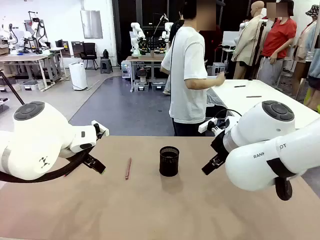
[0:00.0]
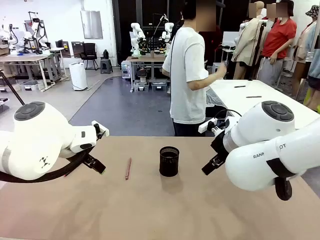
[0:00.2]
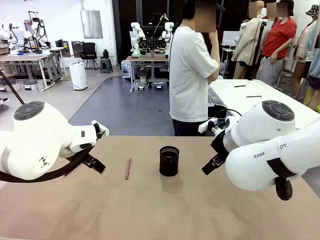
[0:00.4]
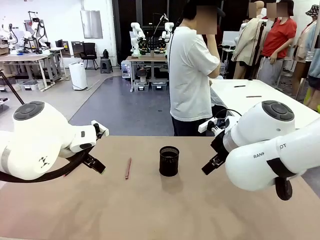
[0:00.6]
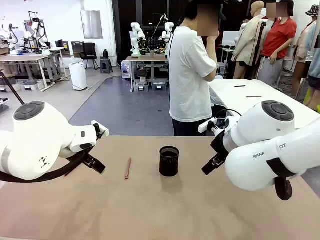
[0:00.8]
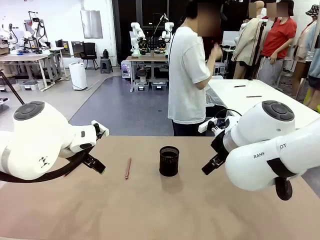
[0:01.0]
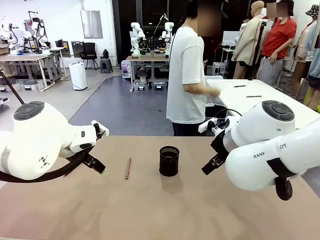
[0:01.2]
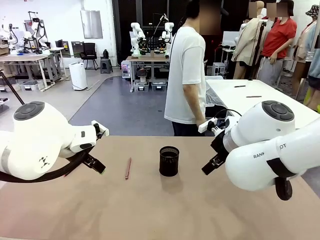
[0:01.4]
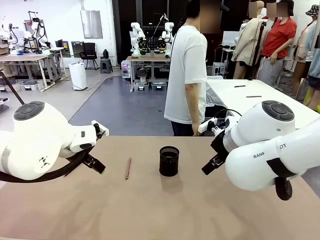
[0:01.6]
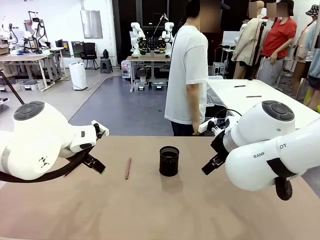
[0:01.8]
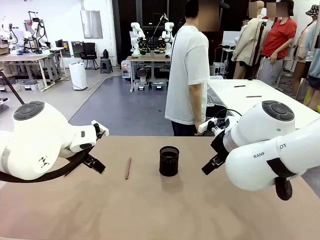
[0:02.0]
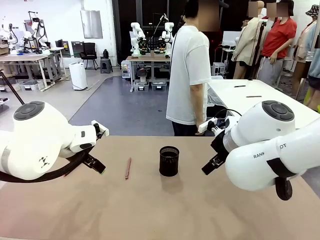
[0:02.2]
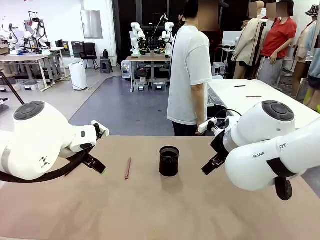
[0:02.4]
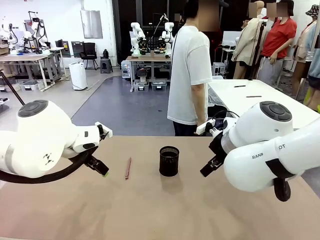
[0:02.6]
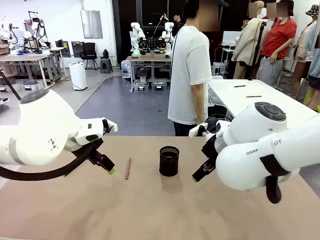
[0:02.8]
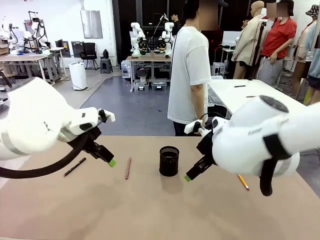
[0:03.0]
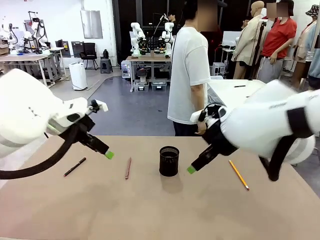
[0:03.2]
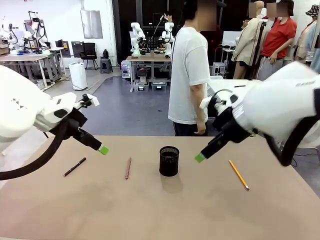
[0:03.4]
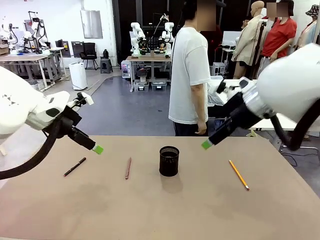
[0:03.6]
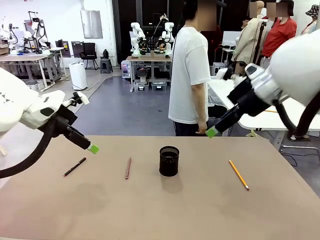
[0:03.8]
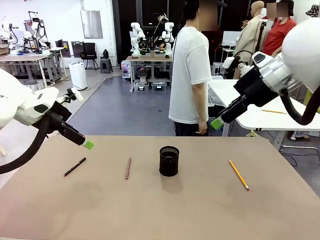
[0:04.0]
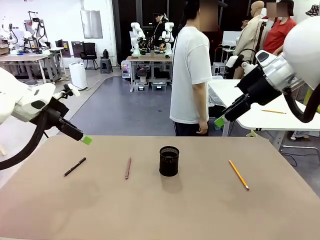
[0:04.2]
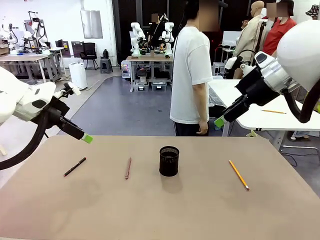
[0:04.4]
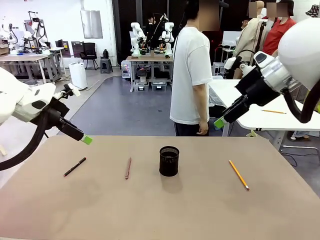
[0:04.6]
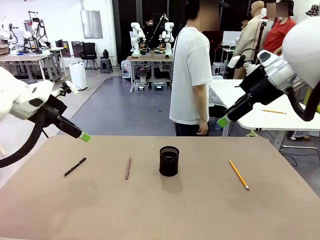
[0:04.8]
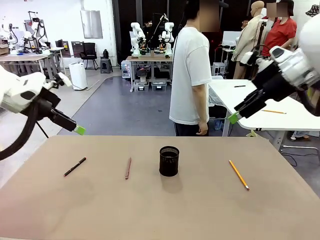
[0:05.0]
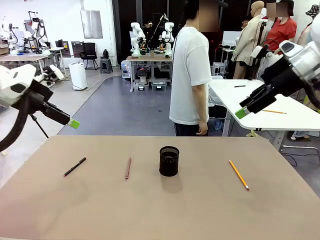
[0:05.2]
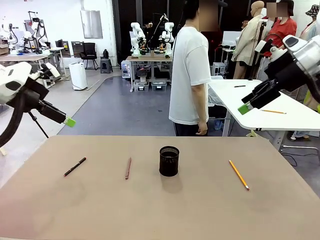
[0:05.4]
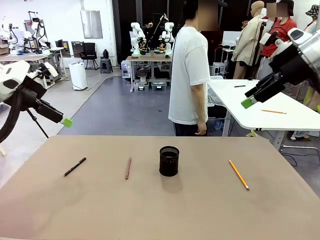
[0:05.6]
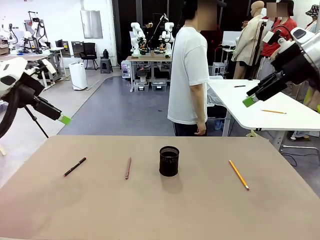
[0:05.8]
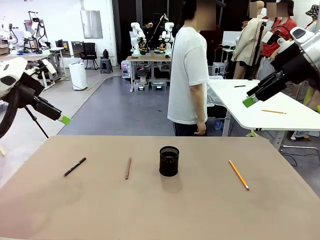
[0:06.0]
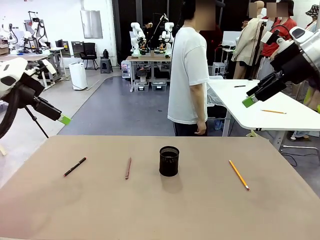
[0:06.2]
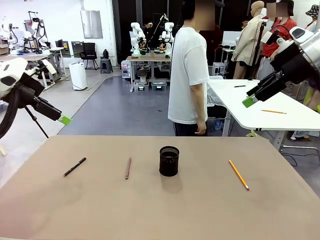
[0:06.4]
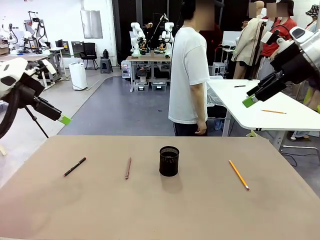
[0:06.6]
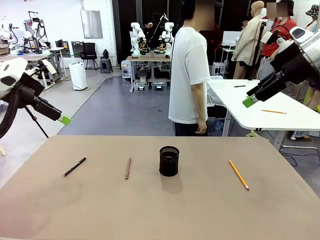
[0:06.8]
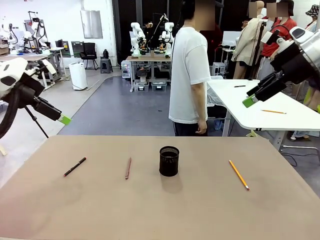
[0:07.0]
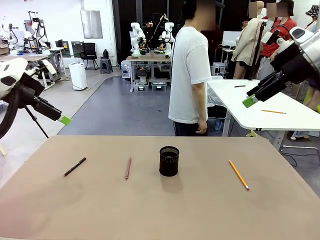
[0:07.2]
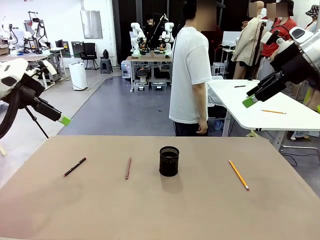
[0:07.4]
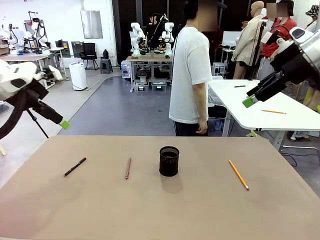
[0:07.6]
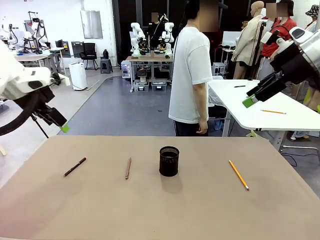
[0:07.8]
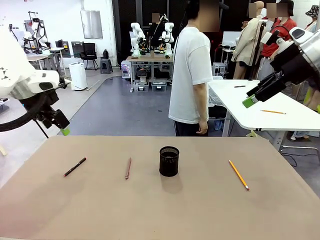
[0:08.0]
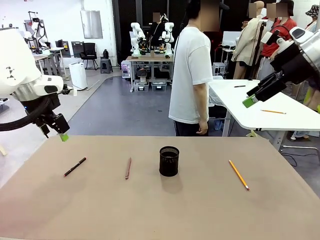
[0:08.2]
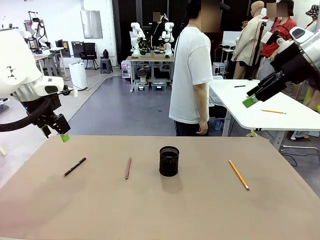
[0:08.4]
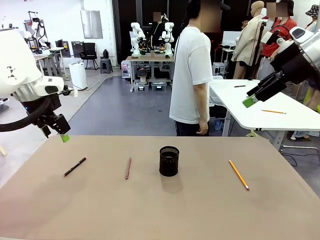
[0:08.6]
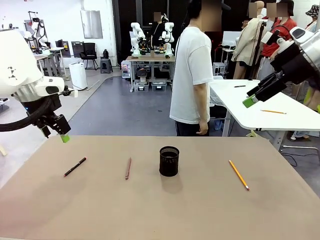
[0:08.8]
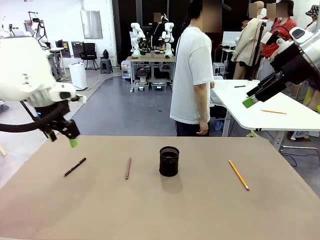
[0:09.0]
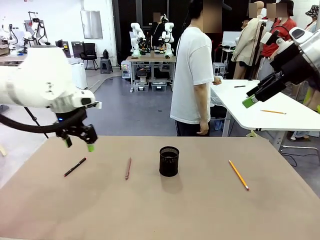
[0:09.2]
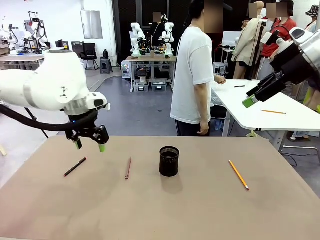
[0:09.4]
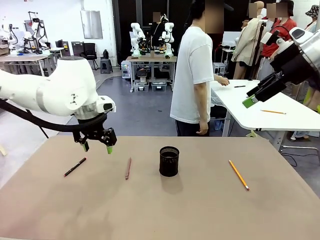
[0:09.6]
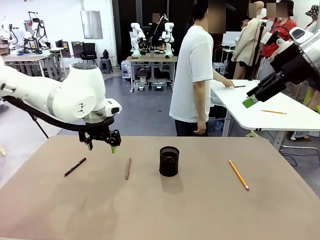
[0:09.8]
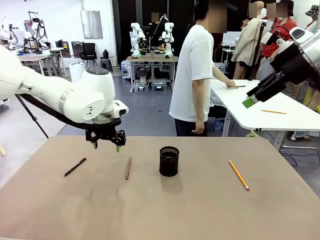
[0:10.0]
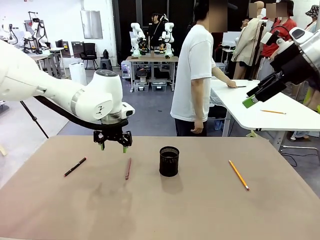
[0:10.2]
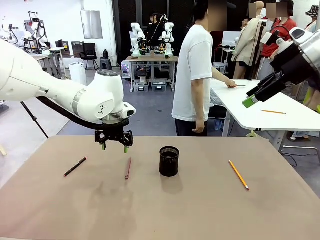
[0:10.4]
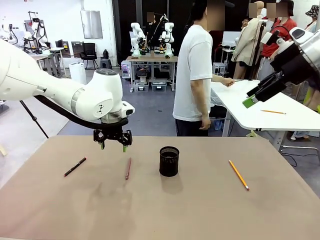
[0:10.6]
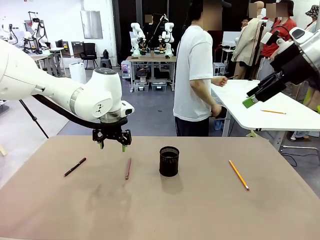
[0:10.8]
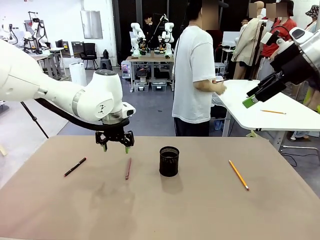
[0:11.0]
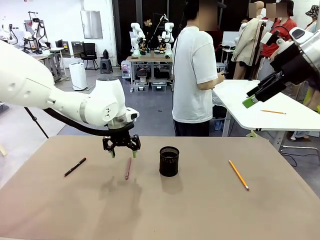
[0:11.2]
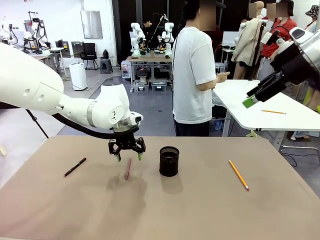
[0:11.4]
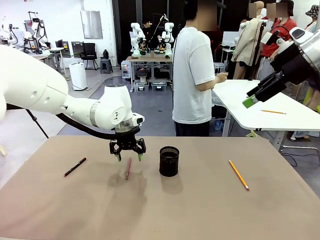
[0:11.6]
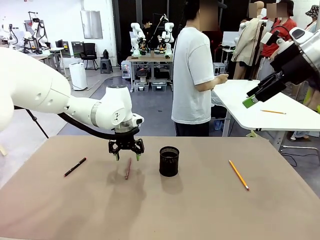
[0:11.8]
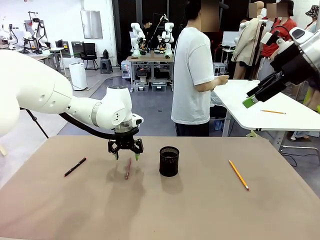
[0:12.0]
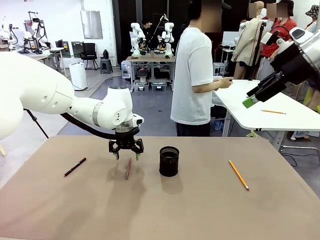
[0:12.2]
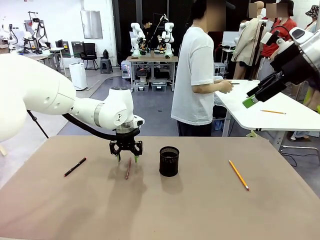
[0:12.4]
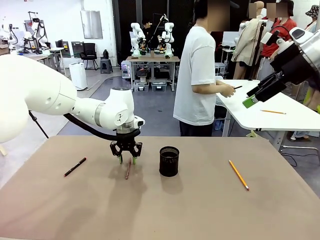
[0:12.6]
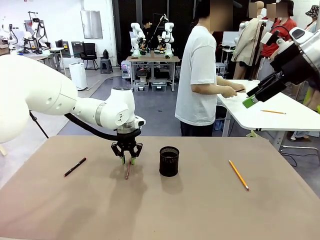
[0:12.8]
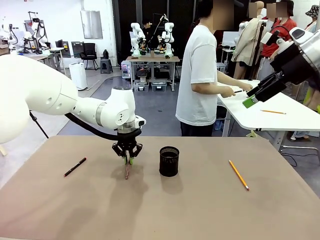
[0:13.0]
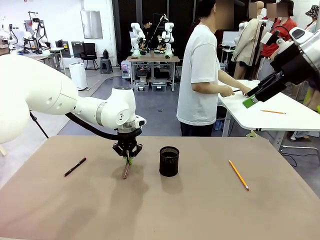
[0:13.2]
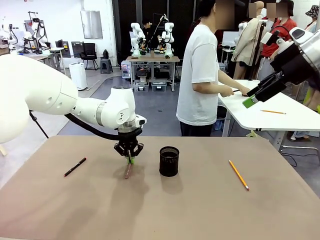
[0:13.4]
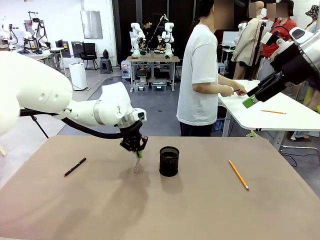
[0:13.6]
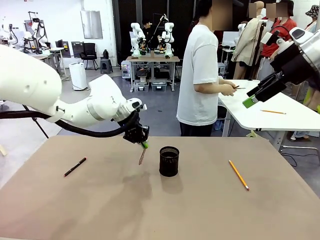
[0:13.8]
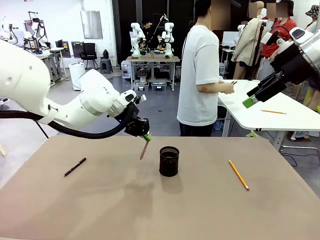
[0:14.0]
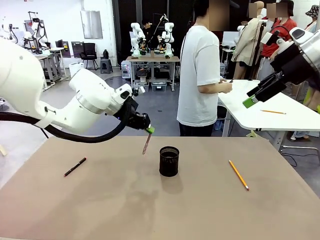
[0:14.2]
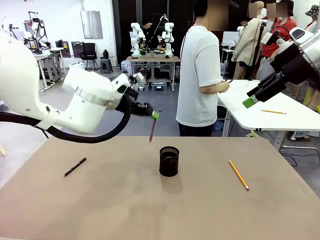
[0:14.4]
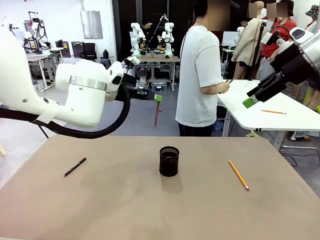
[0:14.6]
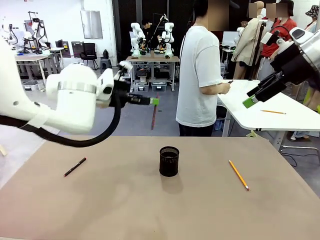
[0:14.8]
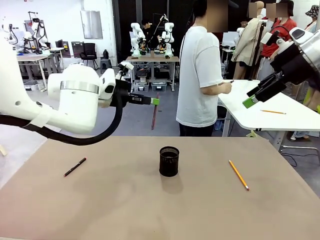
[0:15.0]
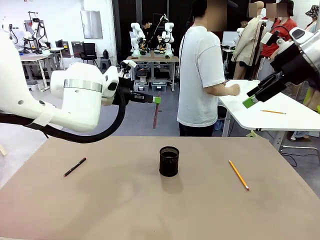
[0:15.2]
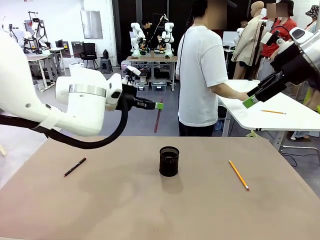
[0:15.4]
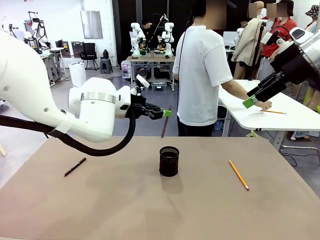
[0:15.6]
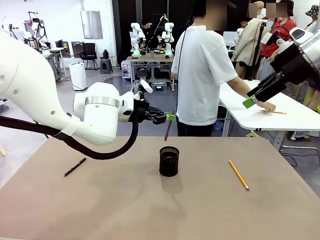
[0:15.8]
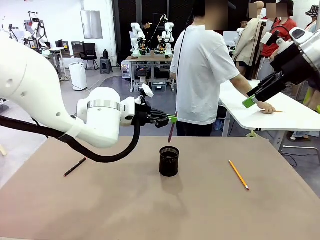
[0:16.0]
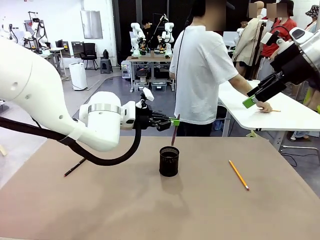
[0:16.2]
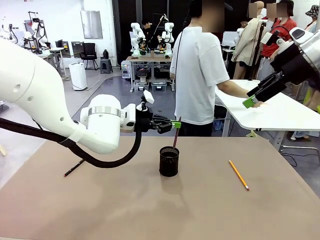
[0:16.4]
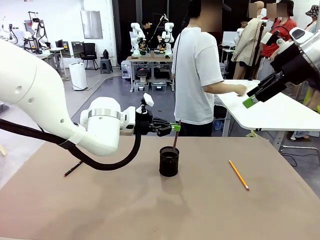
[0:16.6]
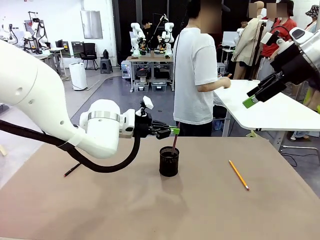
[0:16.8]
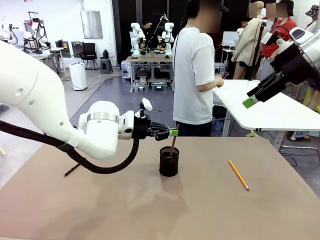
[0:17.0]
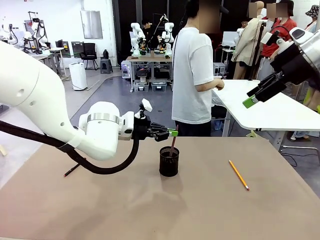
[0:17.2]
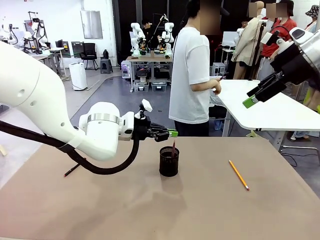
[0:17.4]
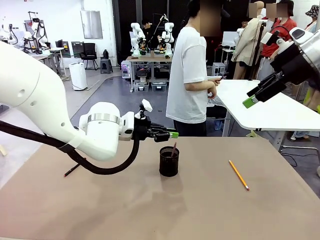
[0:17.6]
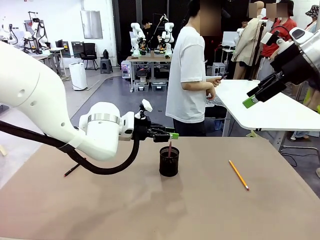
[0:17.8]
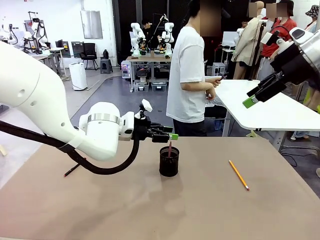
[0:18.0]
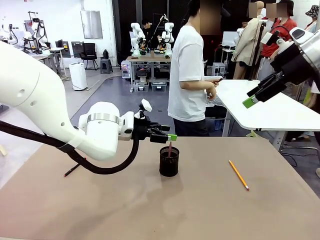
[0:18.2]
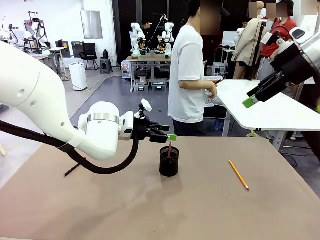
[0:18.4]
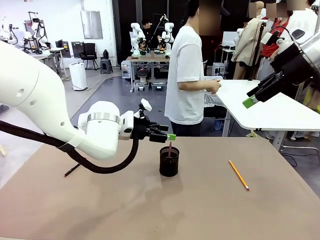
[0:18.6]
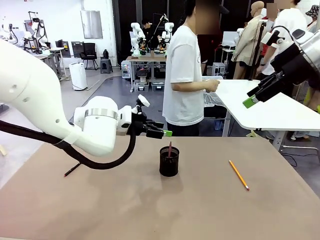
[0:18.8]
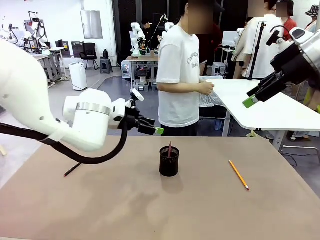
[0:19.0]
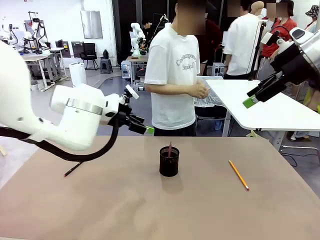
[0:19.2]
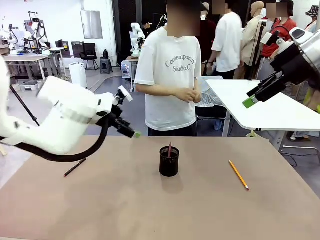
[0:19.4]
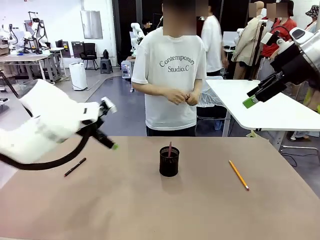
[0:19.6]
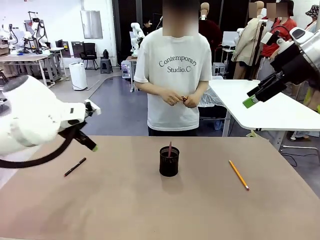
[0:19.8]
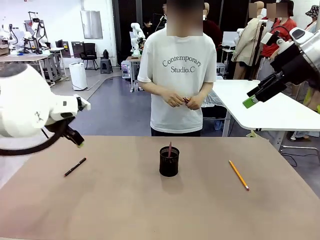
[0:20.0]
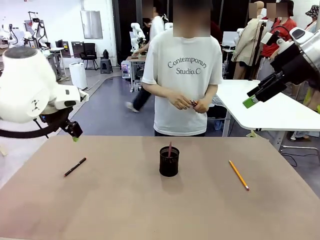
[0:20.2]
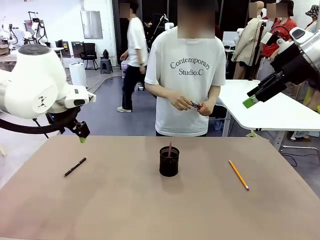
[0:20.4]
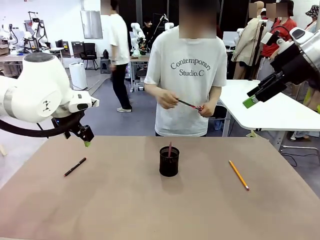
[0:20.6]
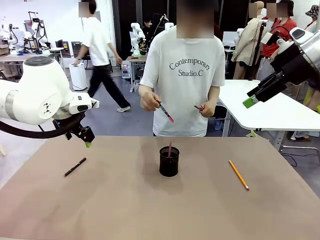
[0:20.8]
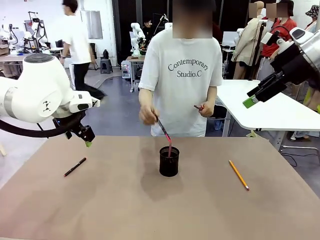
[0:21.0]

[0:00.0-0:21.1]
Task: Place the pens into the pen holder.
Robot: Pick up a writing instrument from the table and place it into the Pen holder.
Person: Pick up all writing instruments from the Human table.
